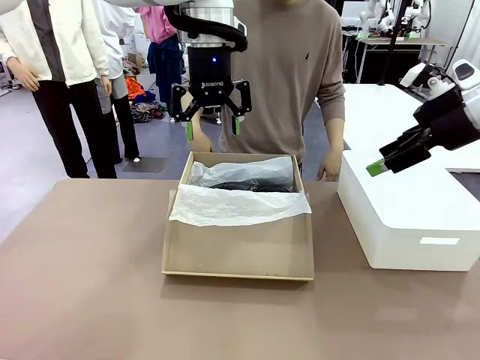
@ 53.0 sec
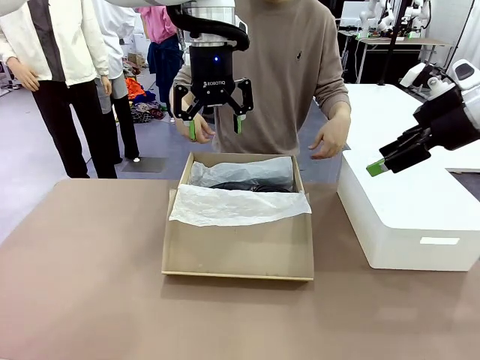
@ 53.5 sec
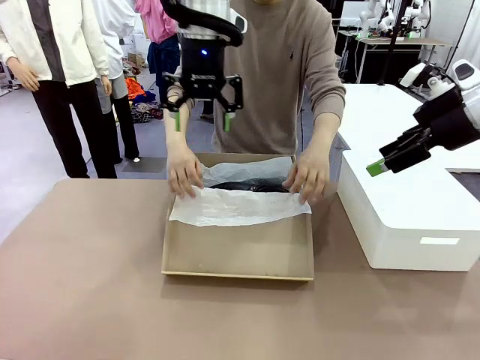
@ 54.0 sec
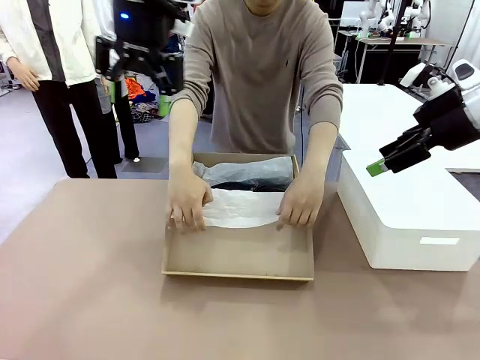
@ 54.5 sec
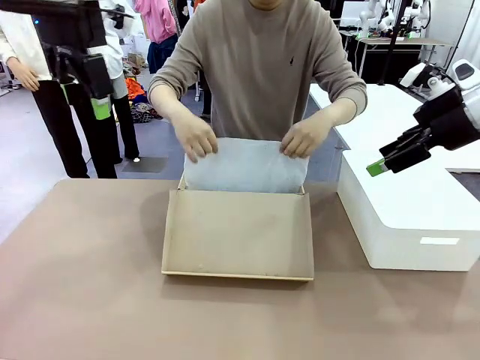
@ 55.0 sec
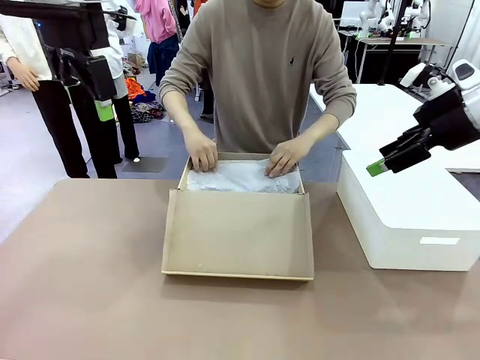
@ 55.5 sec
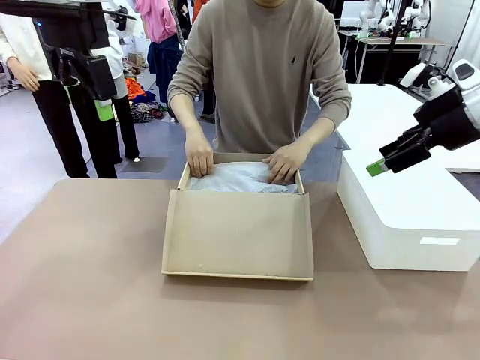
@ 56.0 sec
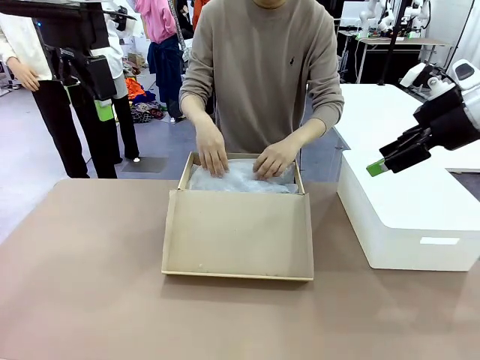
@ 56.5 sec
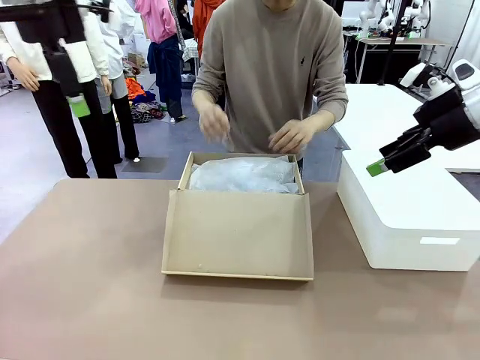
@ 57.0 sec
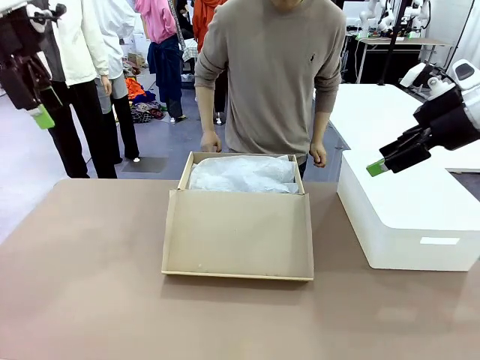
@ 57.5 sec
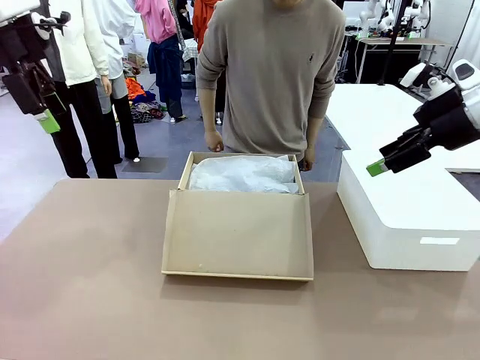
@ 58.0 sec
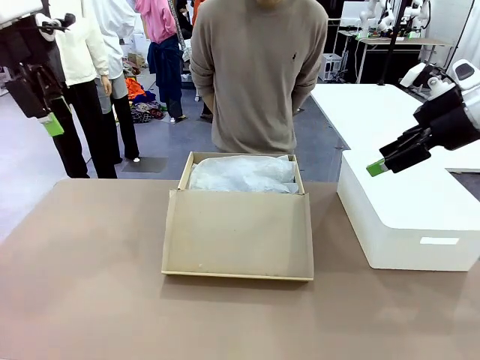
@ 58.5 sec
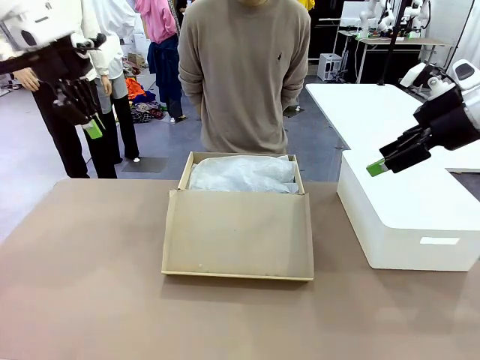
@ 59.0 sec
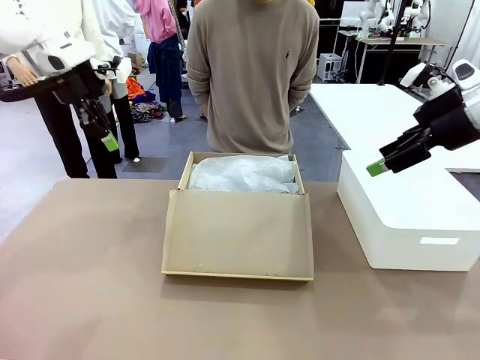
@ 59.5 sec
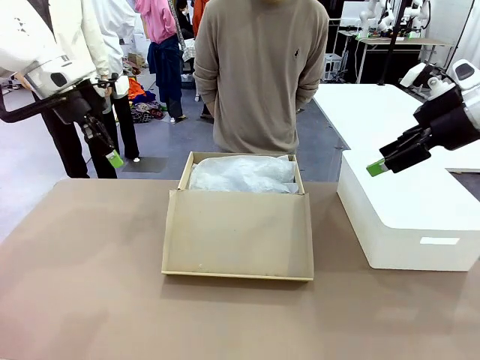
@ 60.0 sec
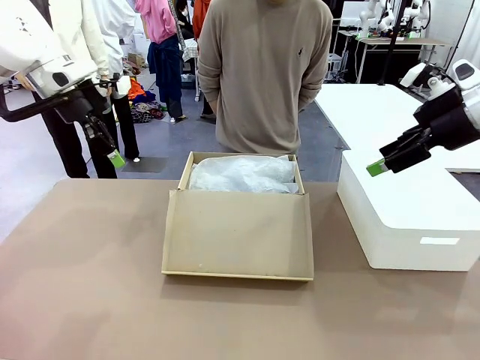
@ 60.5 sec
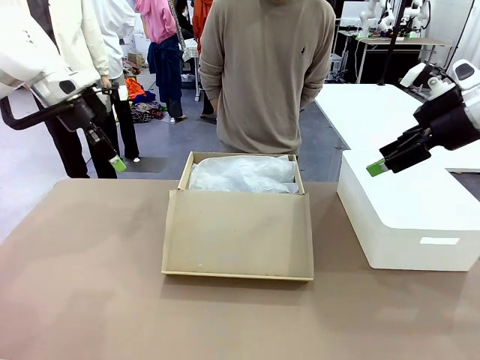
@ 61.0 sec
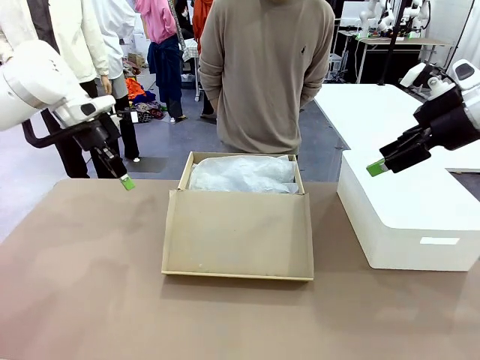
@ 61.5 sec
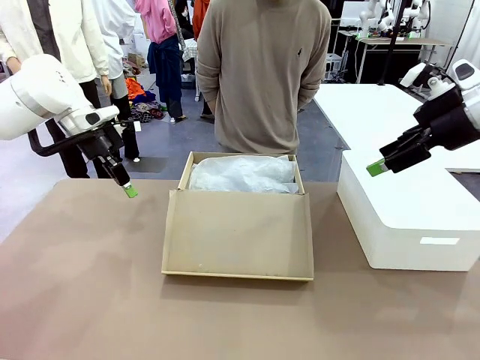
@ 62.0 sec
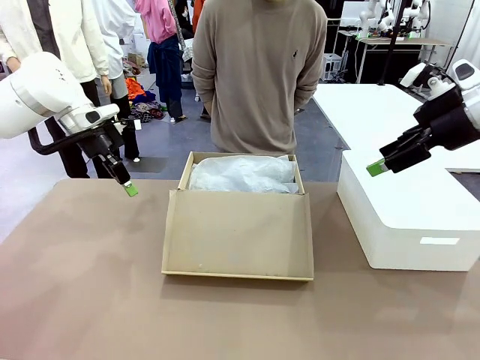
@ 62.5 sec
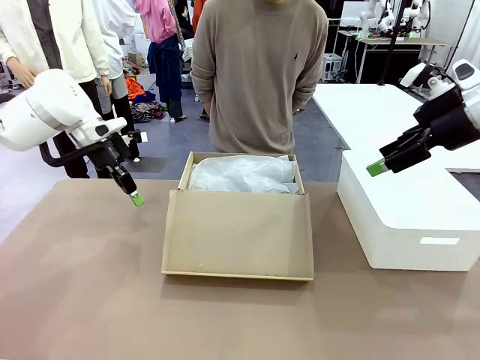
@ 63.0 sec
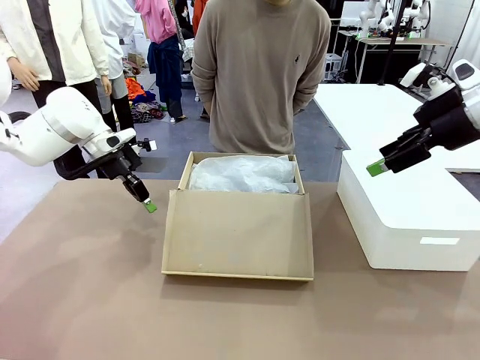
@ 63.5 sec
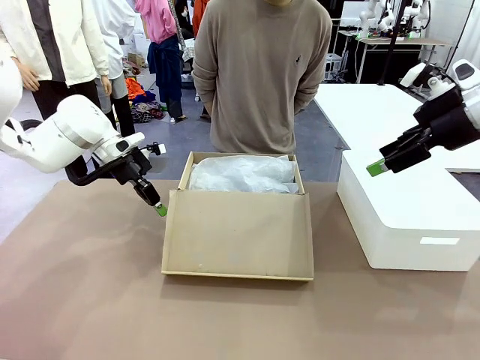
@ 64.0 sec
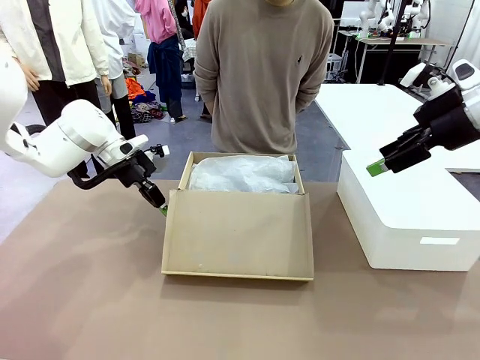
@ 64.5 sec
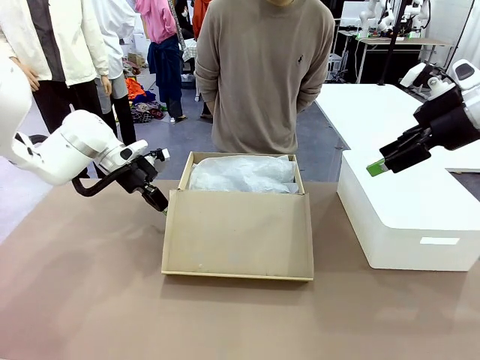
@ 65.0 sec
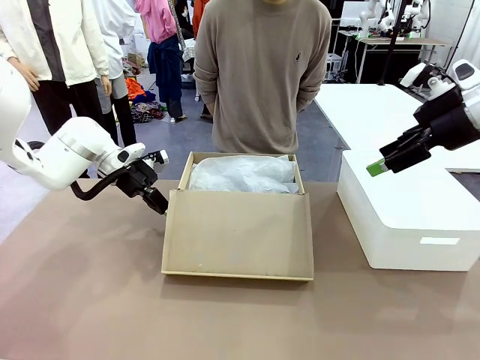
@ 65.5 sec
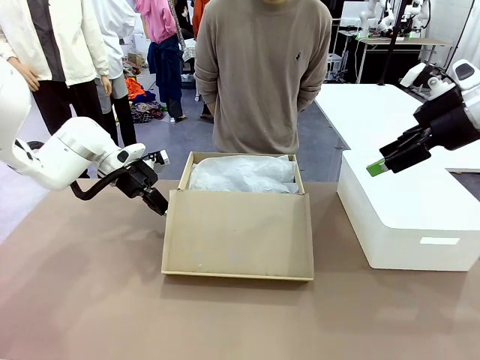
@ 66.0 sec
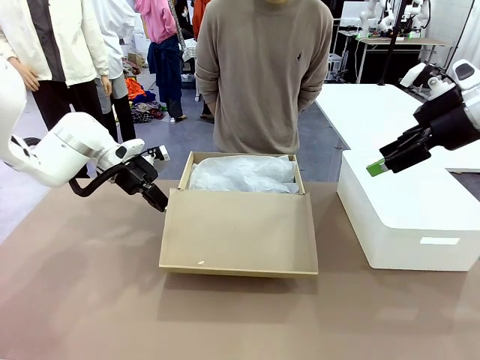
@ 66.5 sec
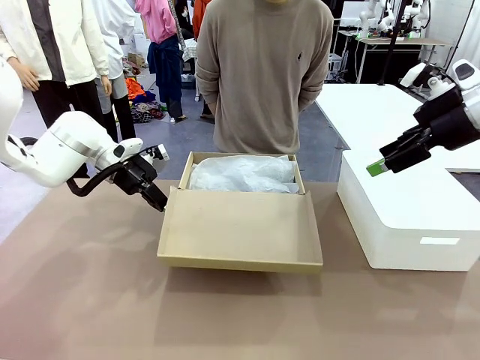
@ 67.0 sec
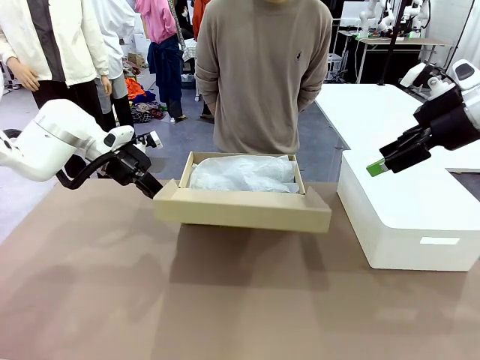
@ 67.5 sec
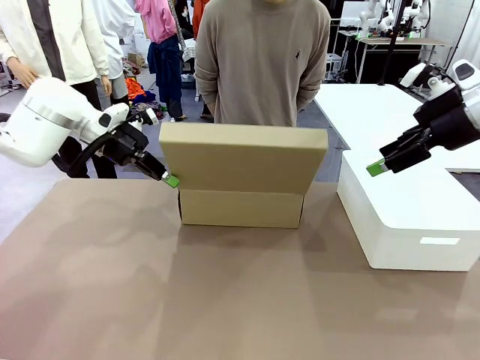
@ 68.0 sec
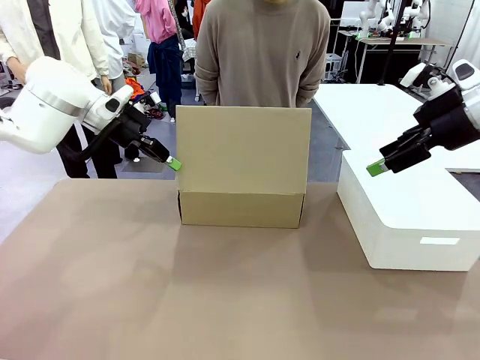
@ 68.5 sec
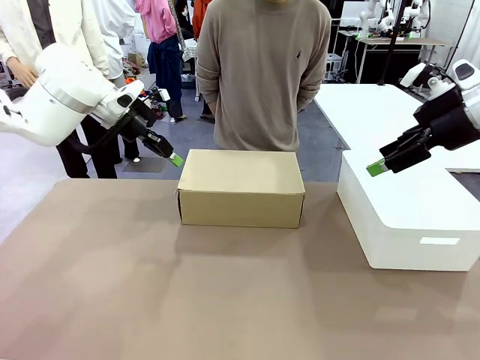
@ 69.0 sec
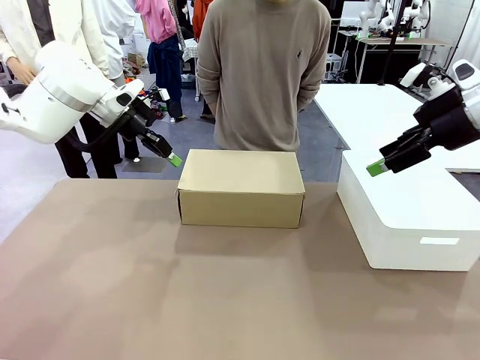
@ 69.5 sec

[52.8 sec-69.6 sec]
Task: Pack the shoes into the box.
Robot: Close the Shoes Box.

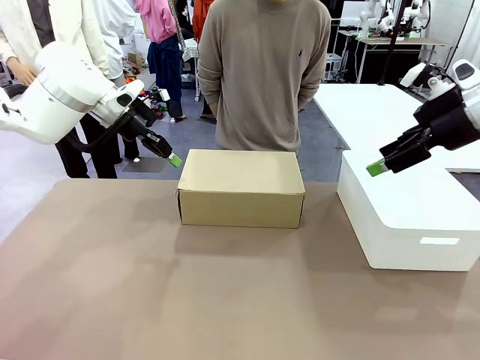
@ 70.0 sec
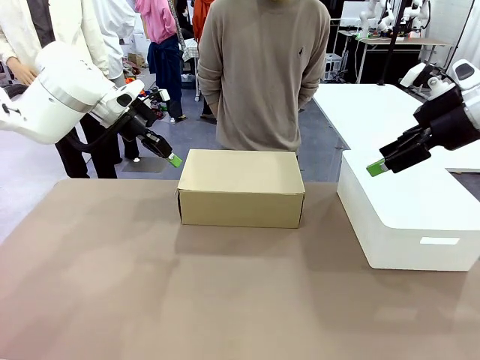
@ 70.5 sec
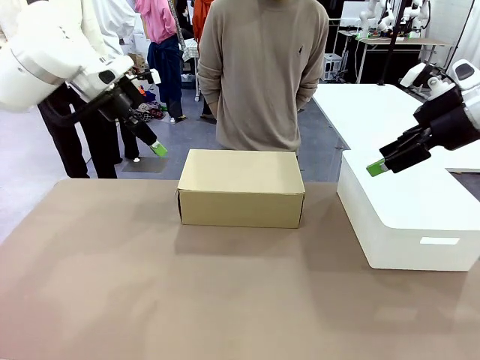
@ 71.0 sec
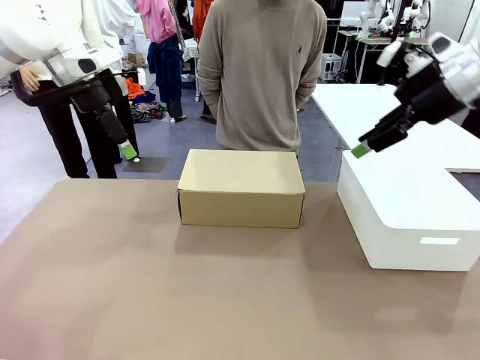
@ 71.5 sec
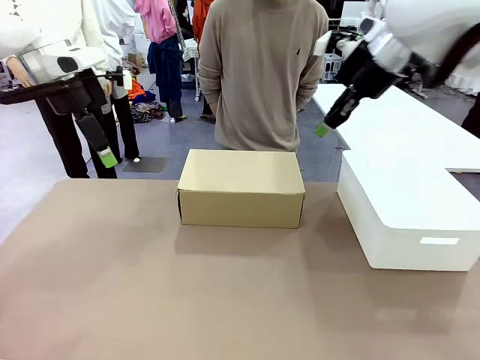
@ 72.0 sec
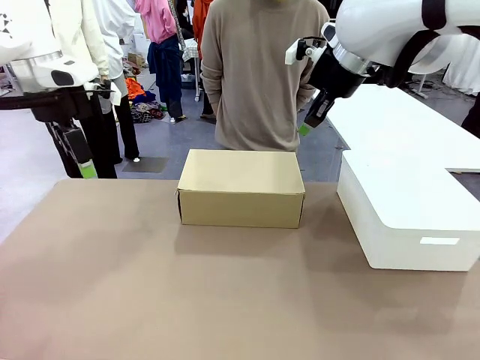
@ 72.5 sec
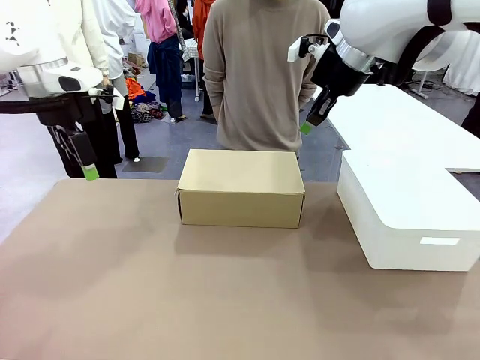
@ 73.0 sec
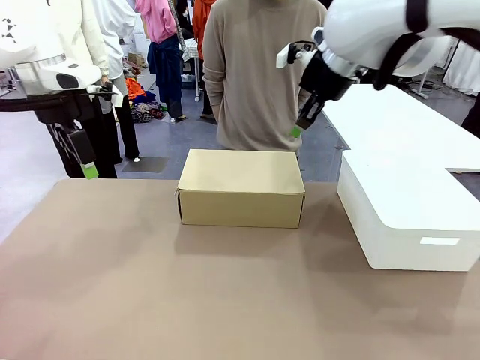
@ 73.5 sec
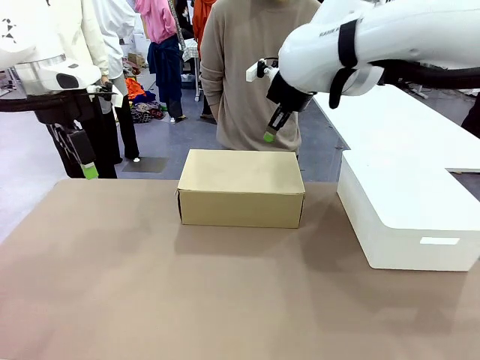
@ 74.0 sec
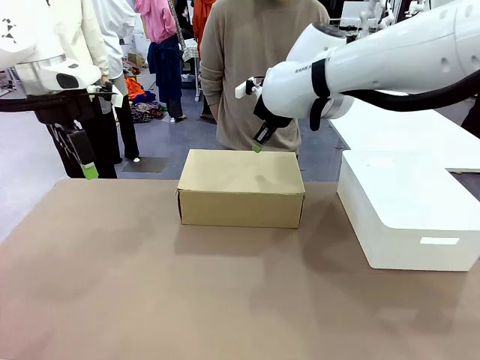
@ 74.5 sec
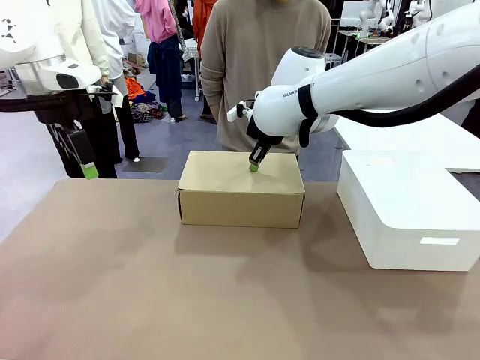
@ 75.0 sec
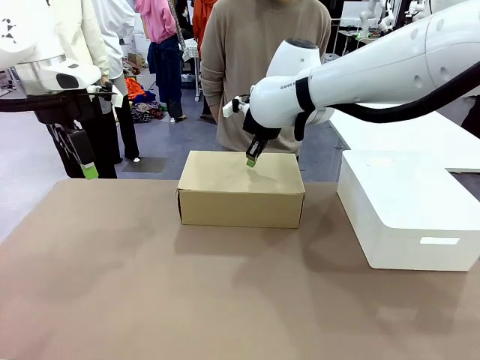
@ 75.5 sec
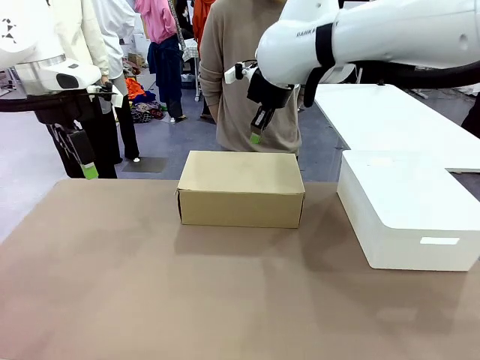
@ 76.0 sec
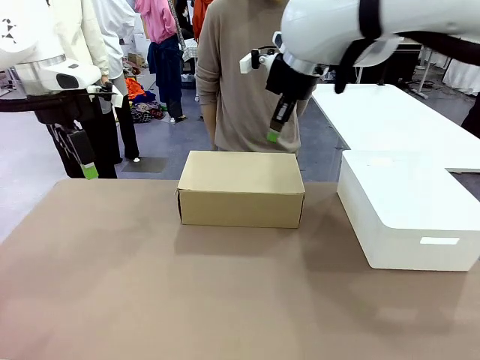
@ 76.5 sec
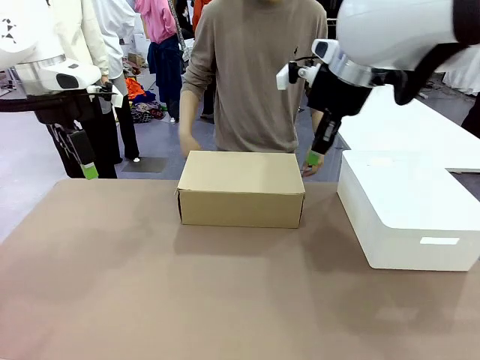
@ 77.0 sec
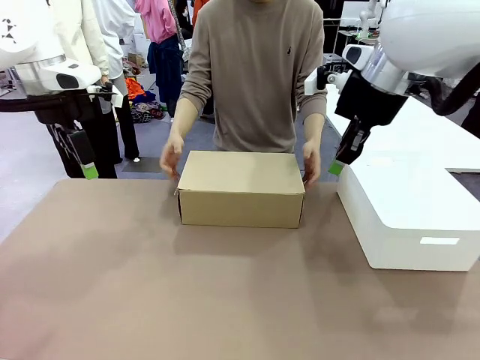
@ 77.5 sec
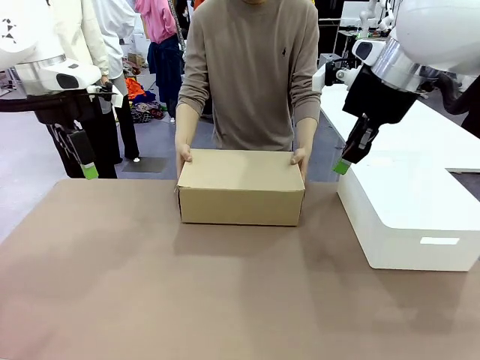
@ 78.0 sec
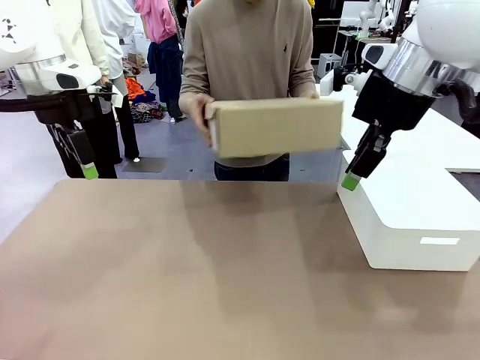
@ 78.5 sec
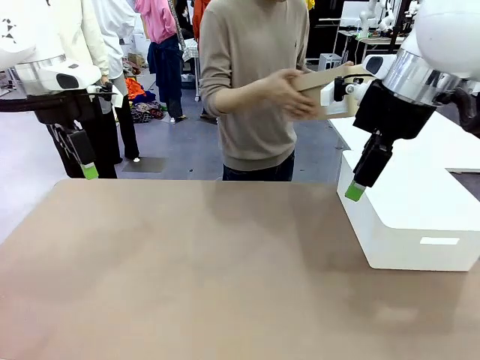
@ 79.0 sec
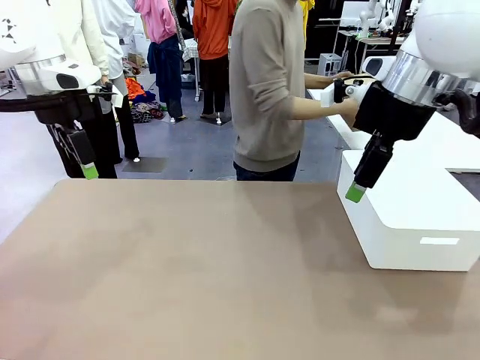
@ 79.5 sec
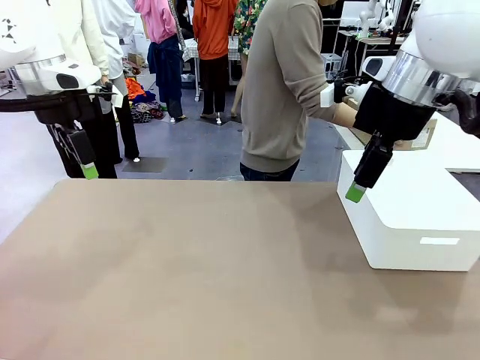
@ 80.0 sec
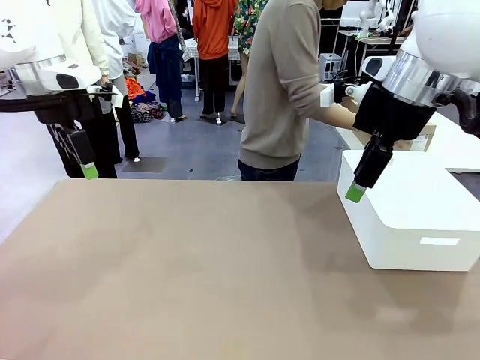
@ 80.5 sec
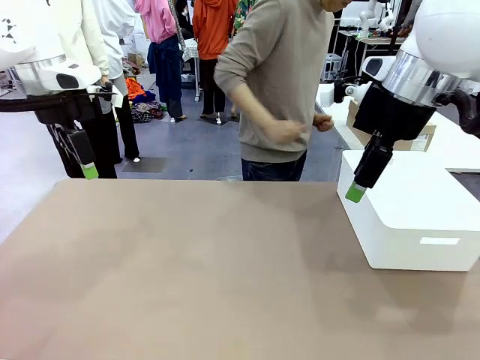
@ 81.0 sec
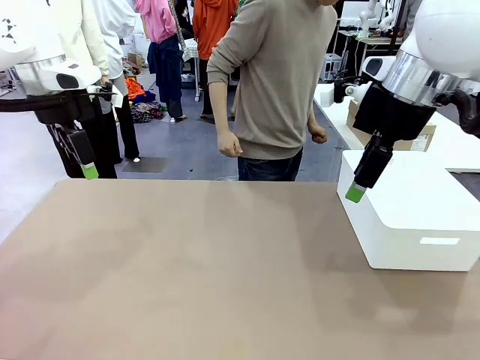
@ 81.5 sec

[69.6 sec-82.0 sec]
Robot: Press down on the lid of the Shoes Box.
Person: Place the closed Shoes Box to the right side of the human table.
